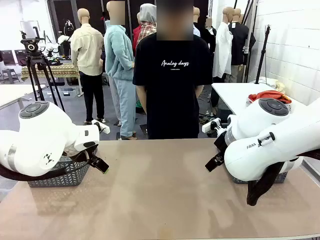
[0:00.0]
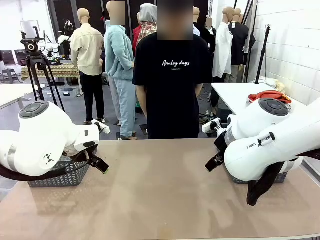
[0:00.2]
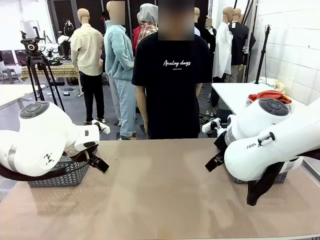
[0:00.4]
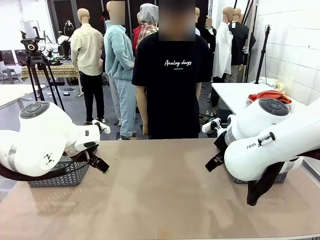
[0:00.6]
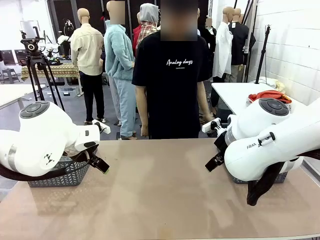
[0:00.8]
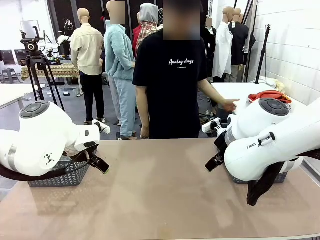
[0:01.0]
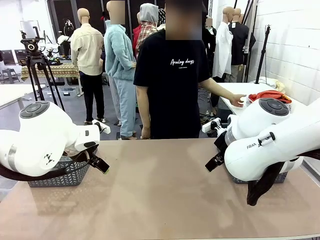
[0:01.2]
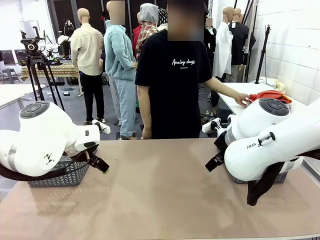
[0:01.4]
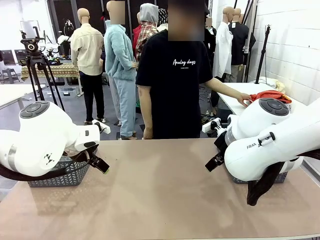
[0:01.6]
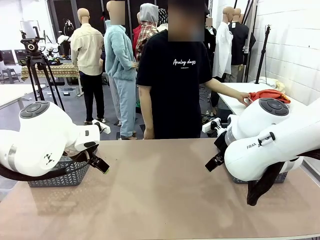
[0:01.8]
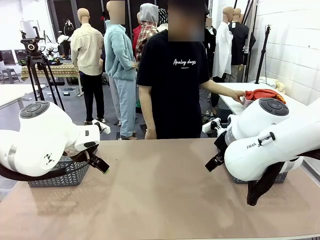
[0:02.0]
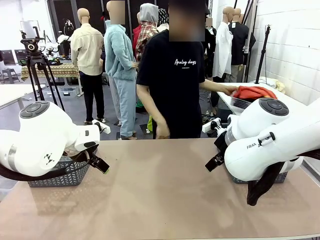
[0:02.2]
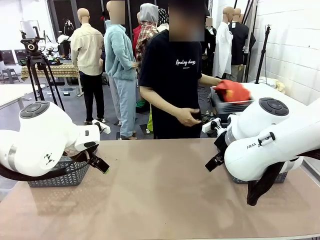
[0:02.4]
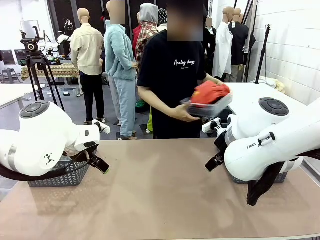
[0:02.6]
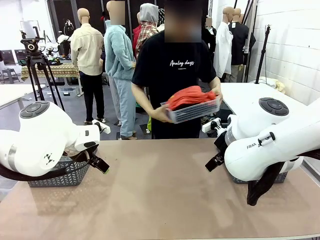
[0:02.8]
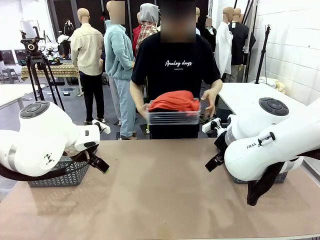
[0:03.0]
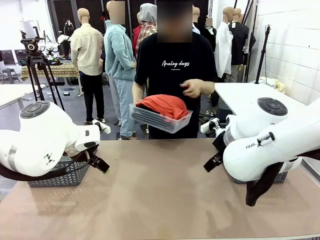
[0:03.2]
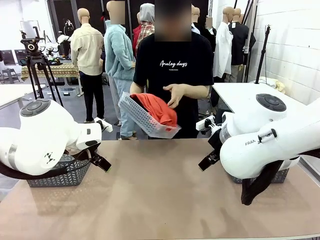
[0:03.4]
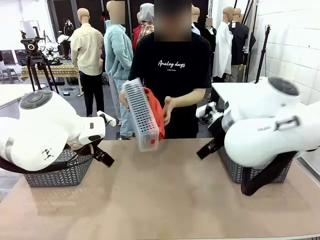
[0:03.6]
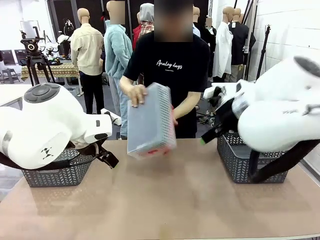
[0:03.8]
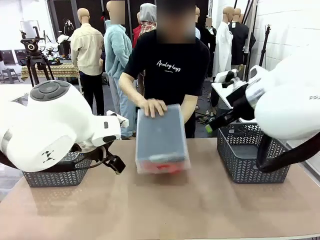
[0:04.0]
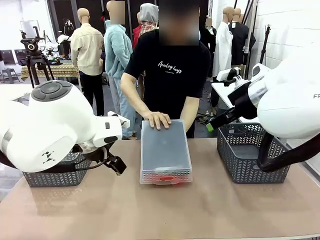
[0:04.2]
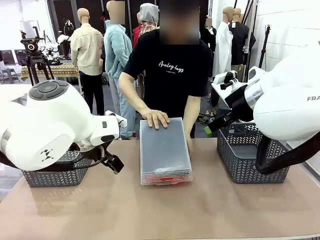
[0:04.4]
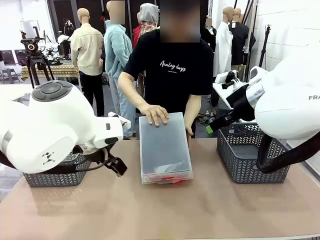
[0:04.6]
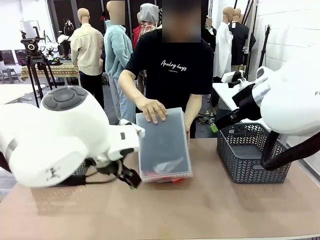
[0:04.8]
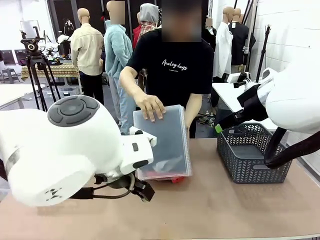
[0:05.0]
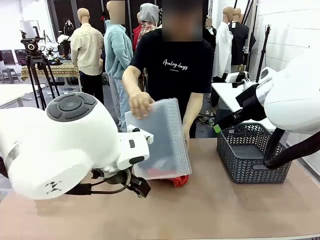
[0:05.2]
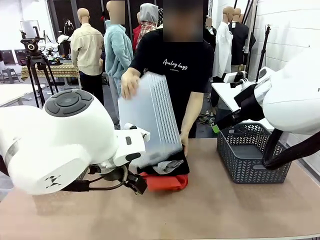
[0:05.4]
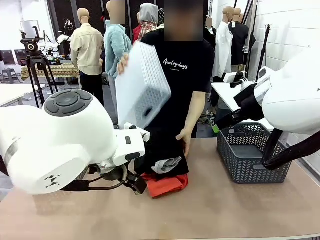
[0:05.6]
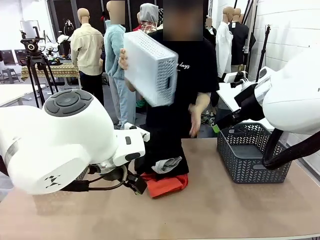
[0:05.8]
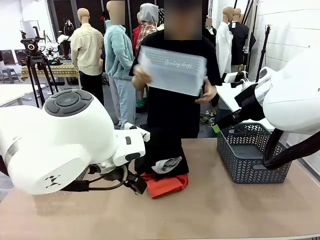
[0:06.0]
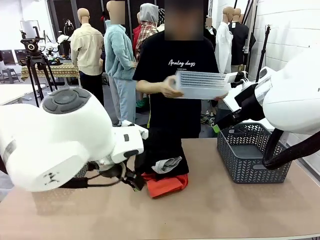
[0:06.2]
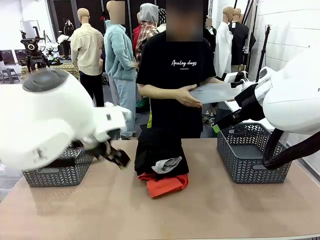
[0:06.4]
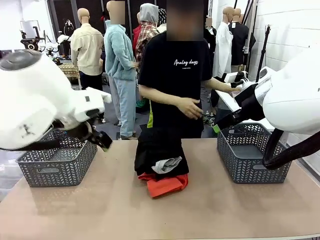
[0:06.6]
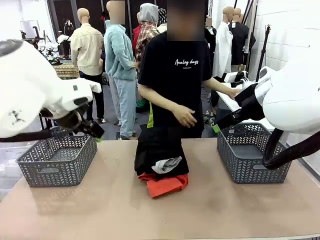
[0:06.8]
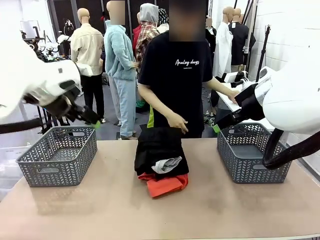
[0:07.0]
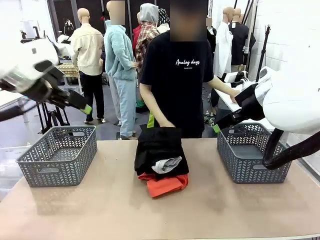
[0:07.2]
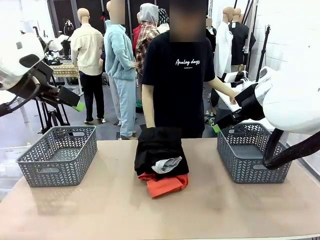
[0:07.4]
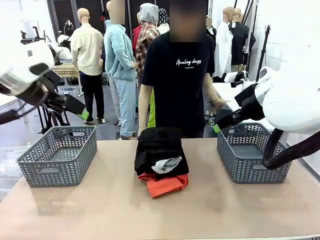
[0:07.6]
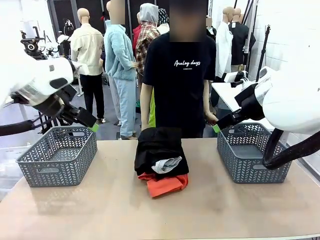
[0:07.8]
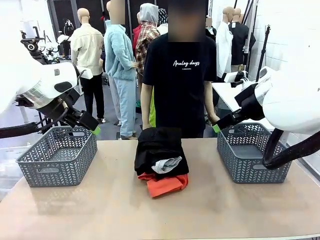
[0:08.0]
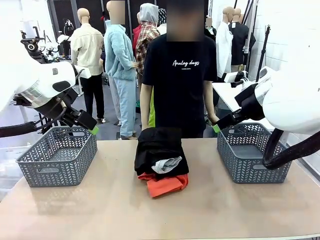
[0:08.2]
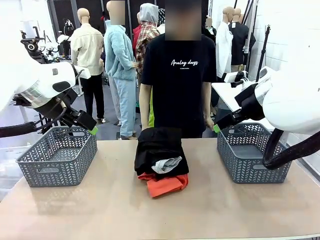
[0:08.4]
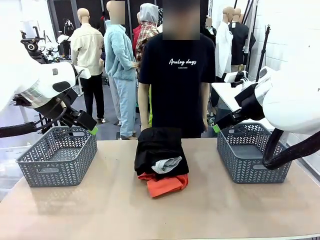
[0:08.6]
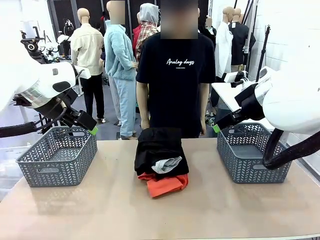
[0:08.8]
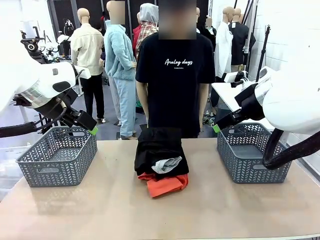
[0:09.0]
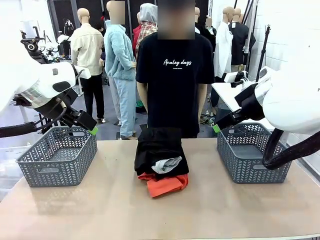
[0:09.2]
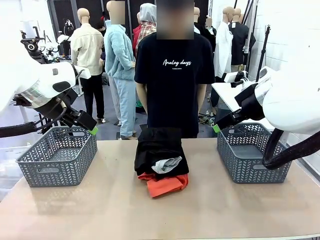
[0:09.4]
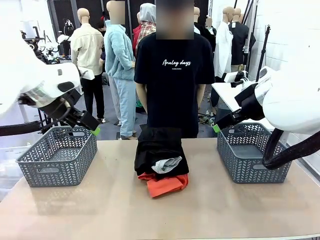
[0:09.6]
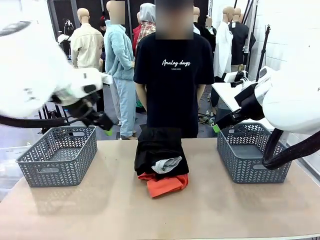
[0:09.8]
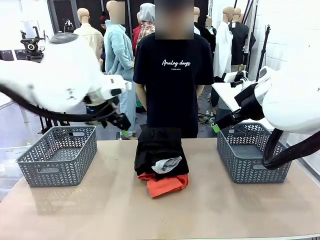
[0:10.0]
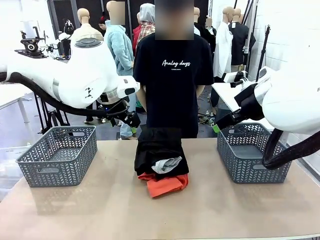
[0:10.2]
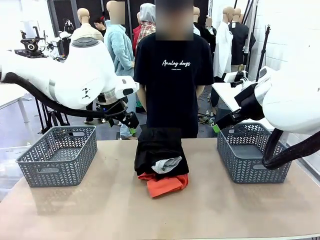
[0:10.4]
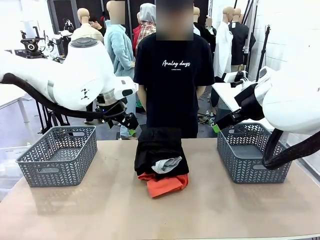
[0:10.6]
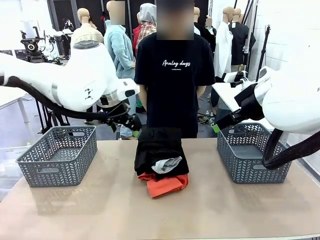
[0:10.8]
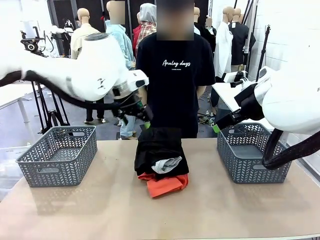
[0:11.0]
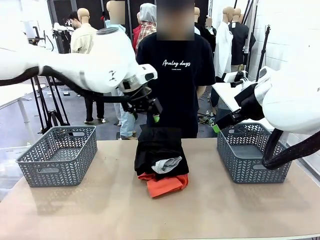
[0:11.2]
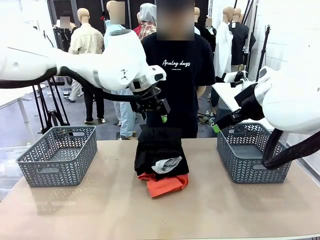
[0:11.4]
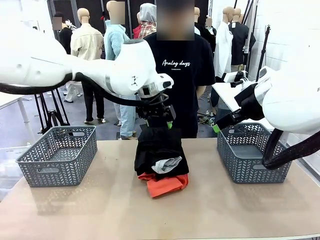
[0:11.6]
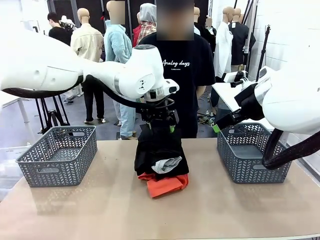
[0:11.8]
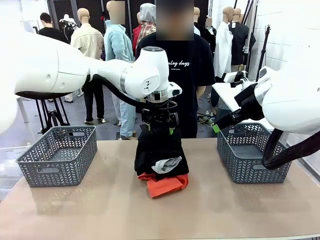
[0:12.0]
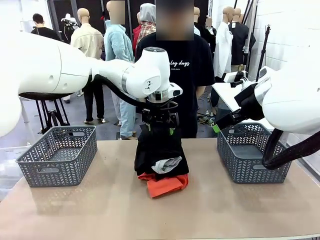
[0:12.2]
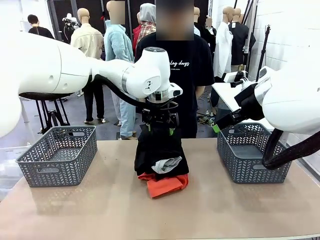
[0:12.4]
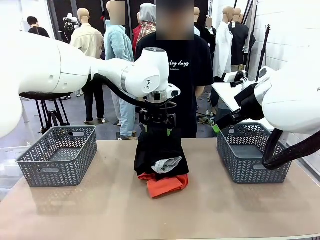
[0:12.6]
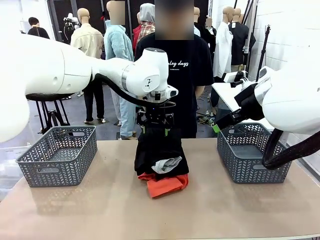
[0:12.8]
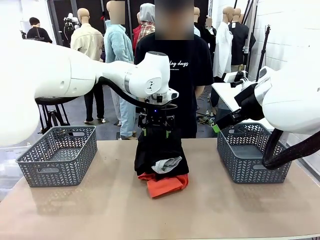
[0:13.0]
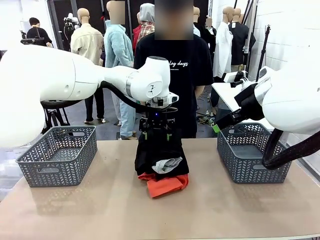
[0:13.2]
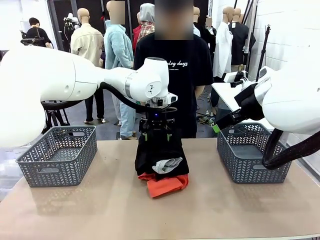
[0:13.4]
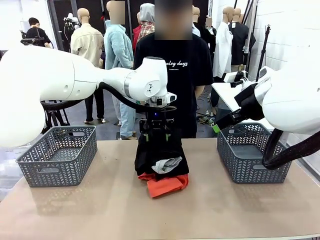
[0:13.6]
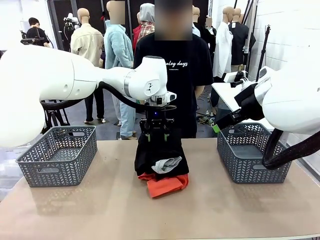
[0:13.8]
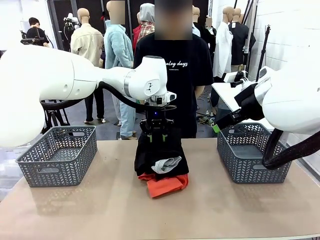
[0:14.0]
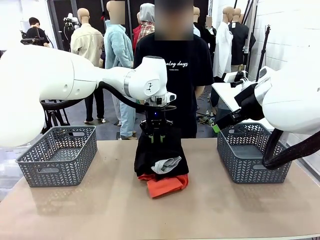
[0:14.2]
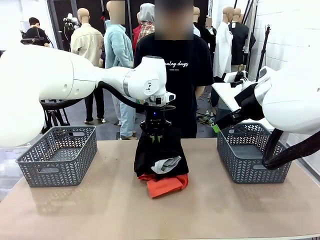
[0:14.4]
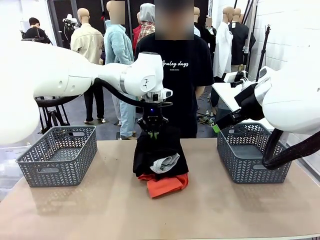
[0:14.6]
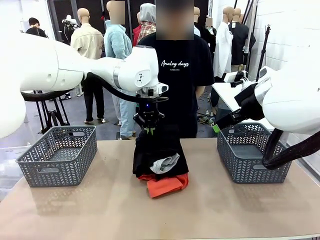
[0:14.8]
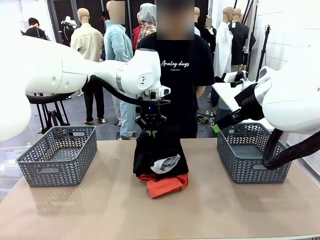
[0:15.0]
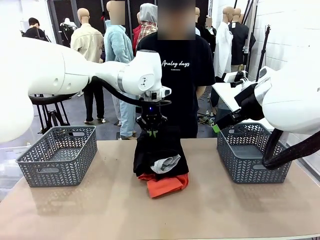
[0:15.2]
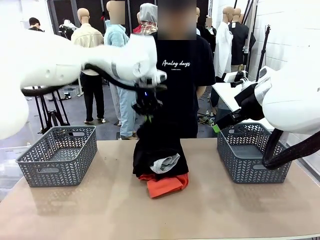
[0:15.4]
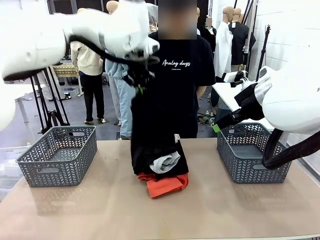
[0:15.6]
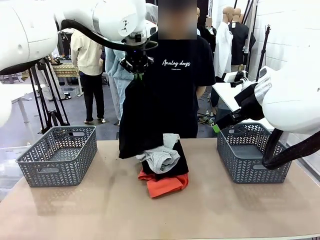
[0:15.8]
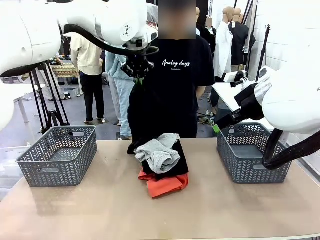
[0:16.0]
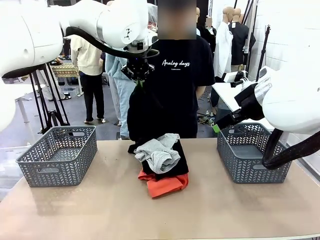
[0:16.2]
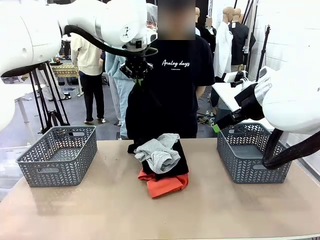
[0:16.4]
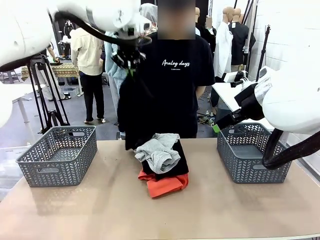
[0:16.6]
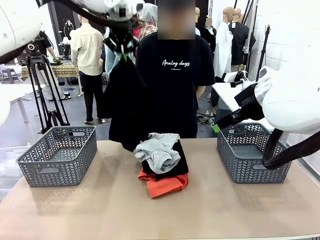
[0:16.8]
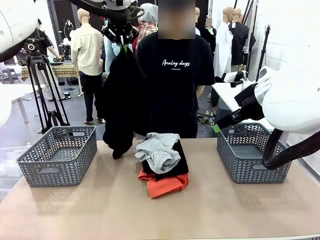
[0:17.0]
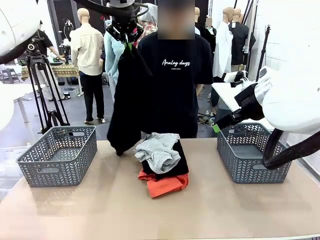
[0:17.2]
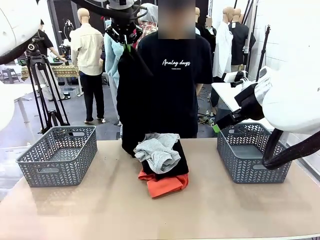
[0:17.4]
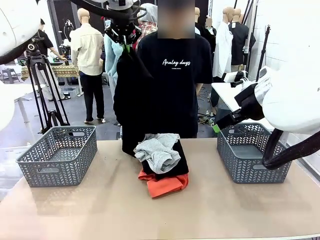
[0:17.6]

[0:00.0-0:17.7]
Task: Sort the tops and bottoms.
Robot: Lift clothes from the center of the table with your left hand.
Person: Pour the clothes from the basket onto the center of the robot table.
